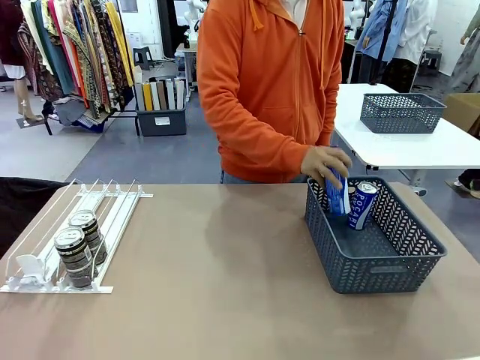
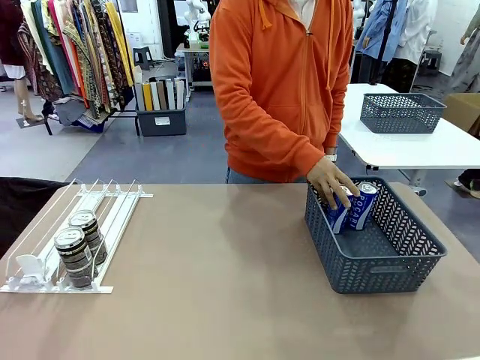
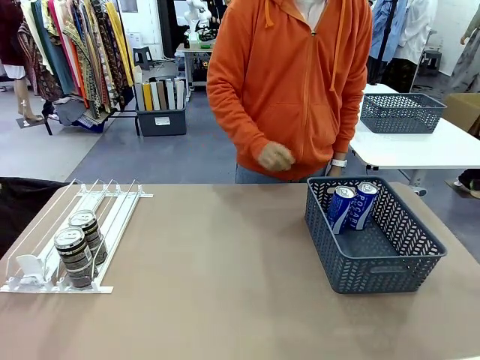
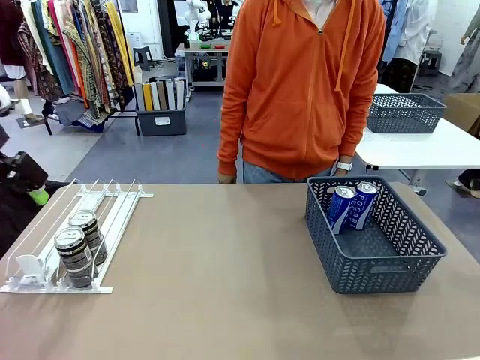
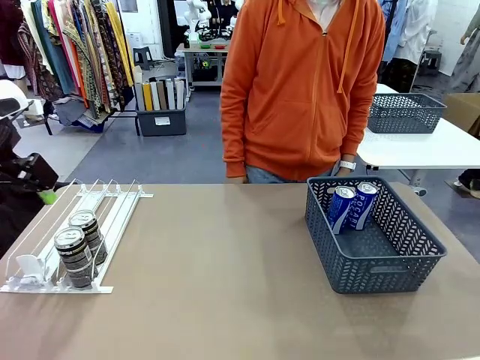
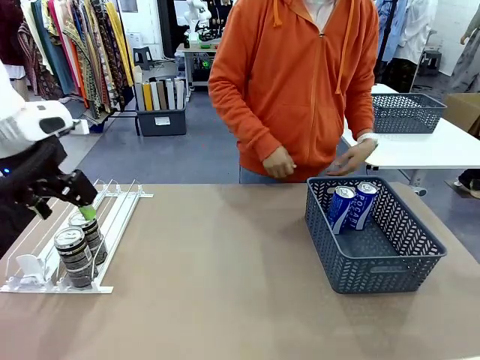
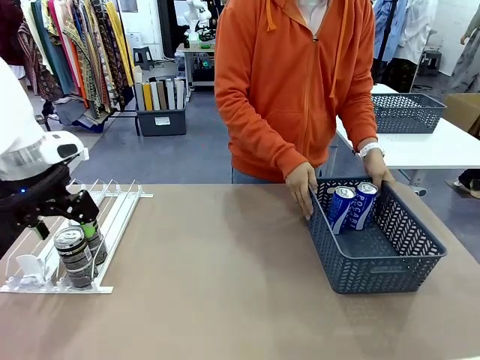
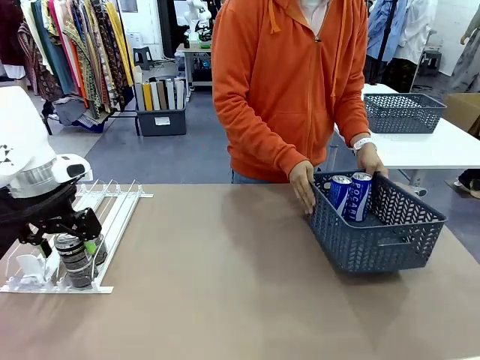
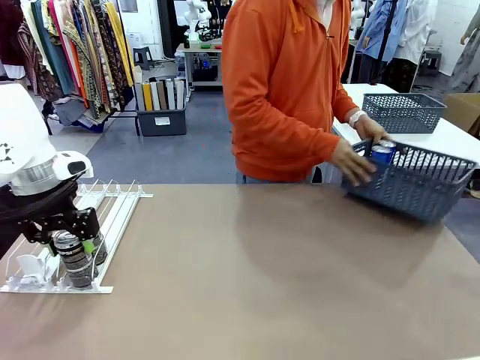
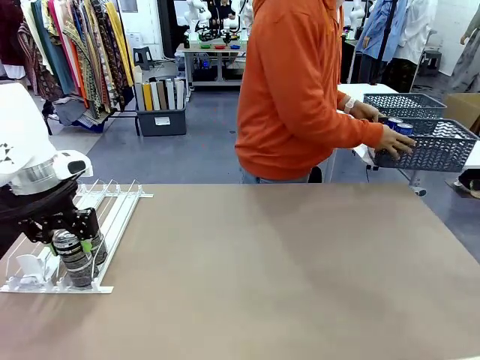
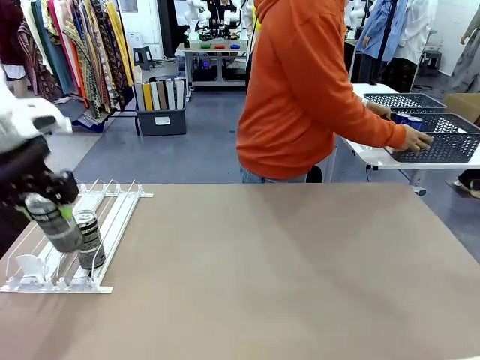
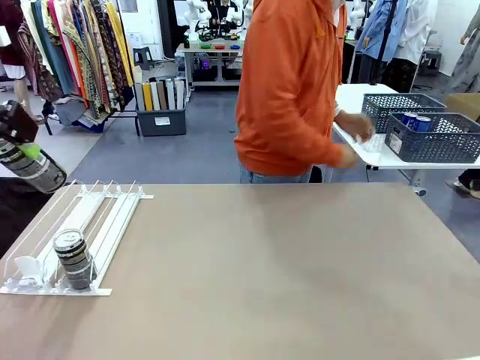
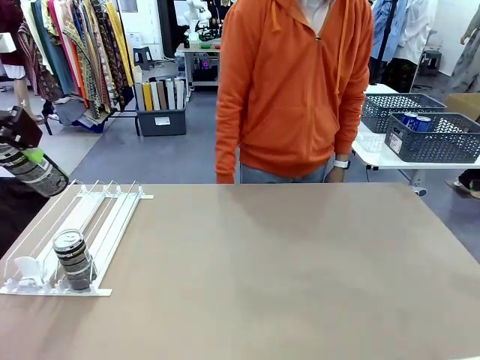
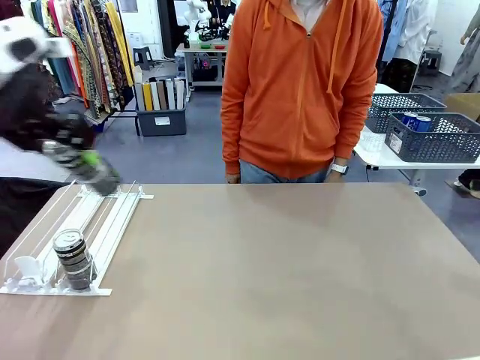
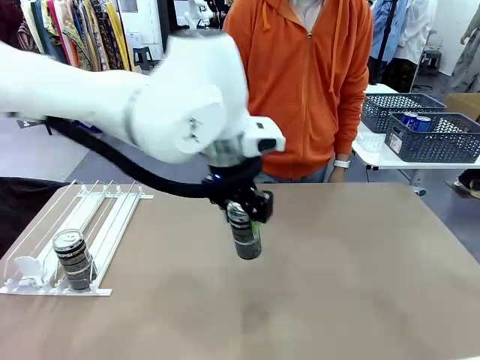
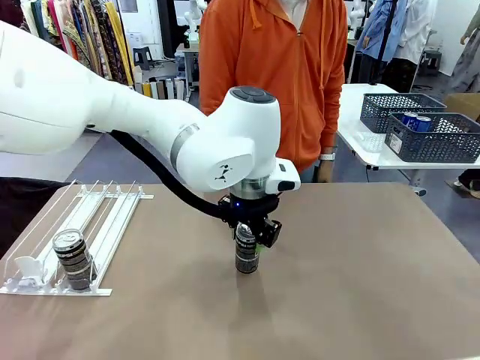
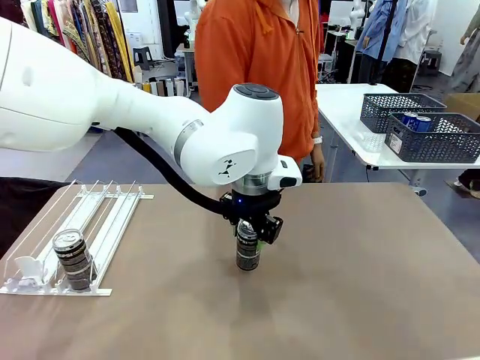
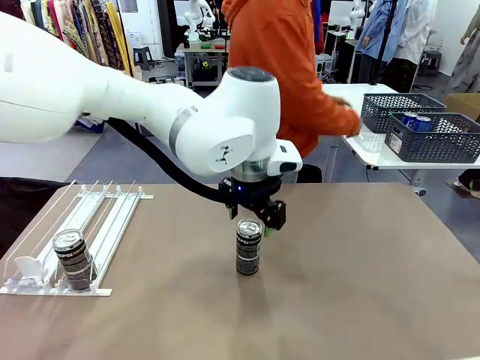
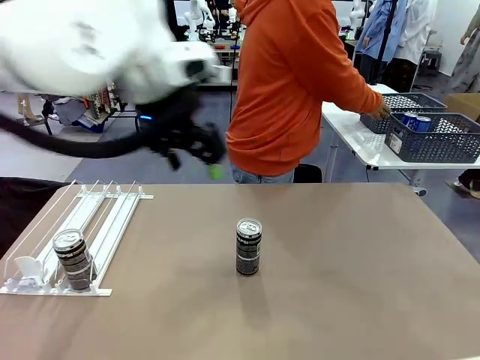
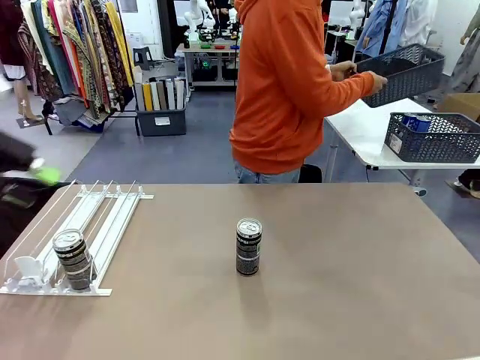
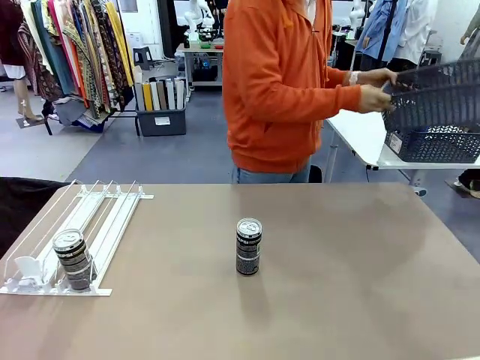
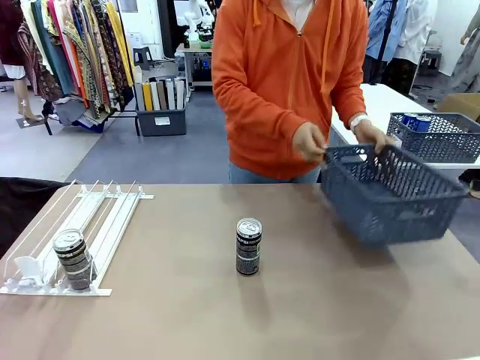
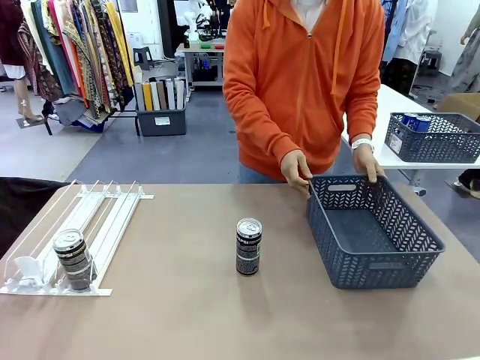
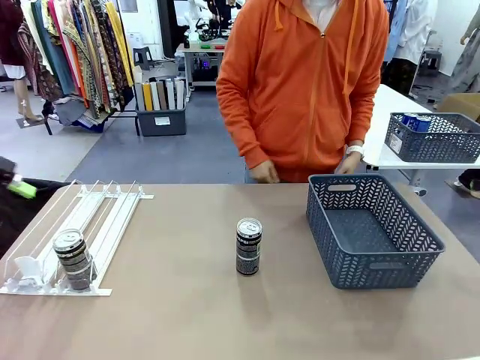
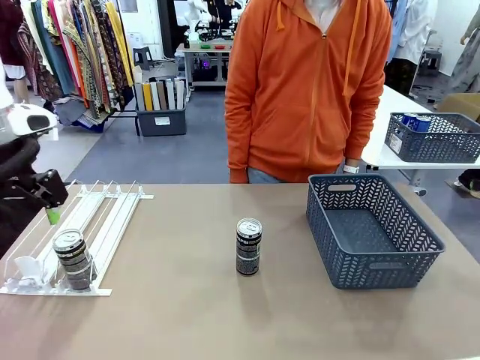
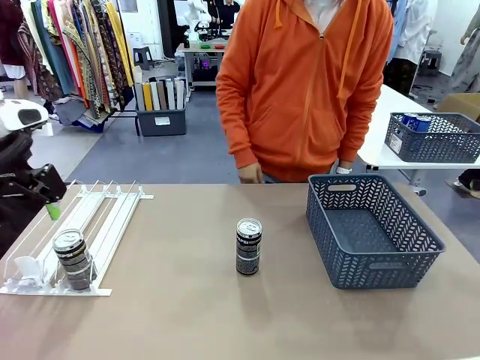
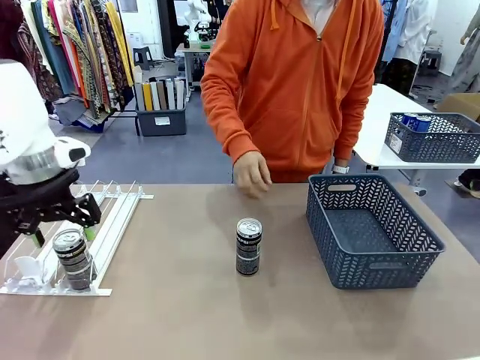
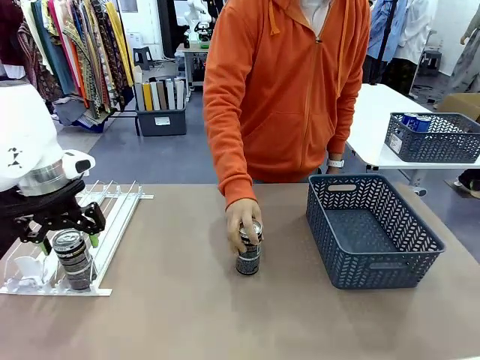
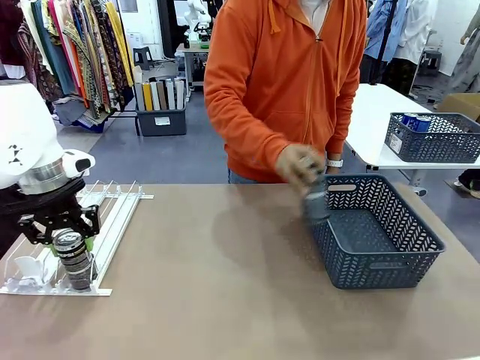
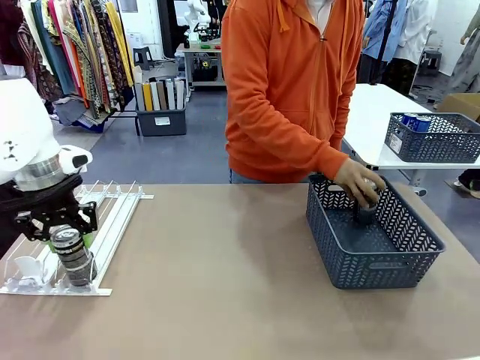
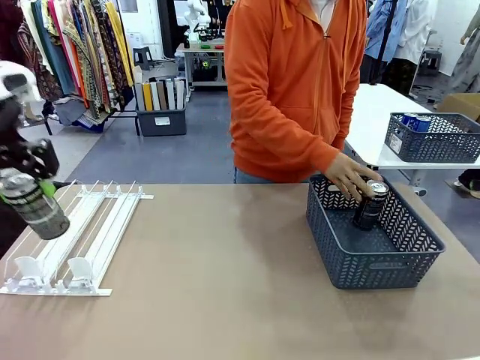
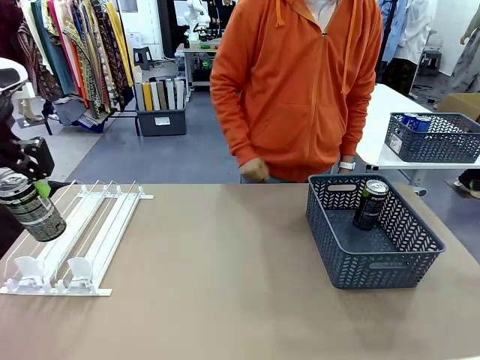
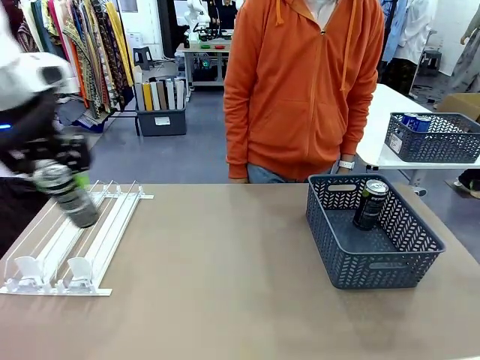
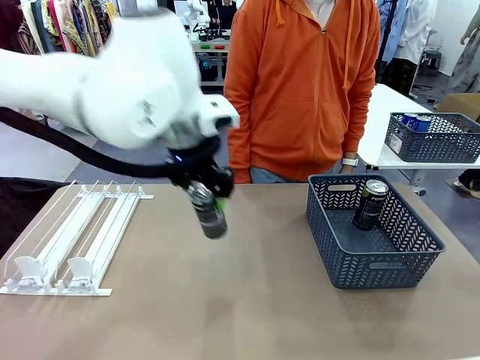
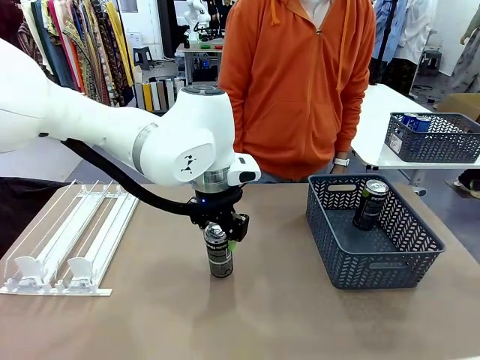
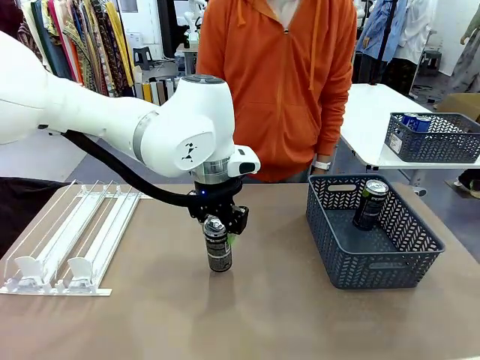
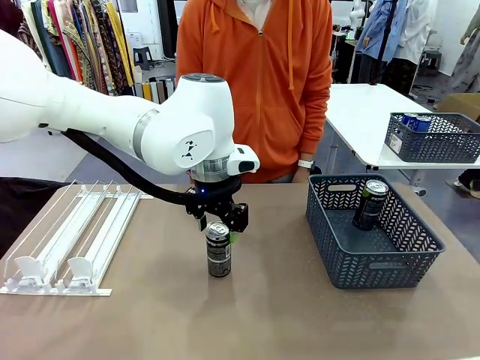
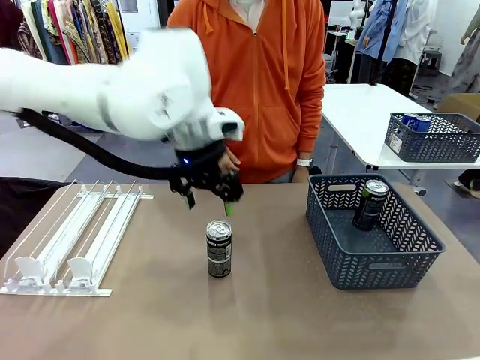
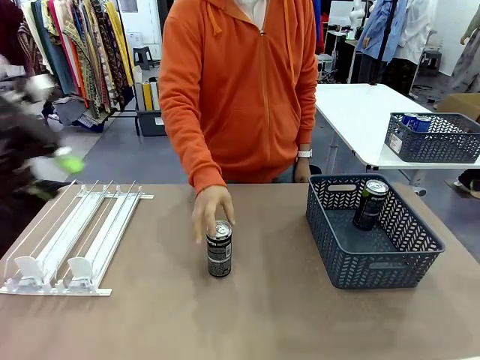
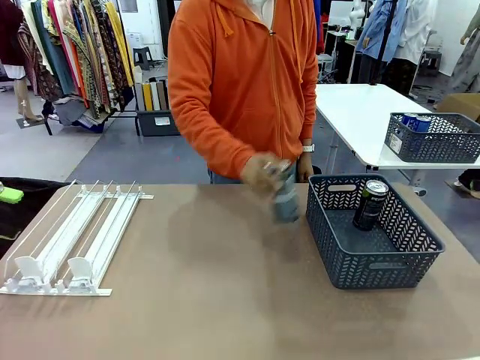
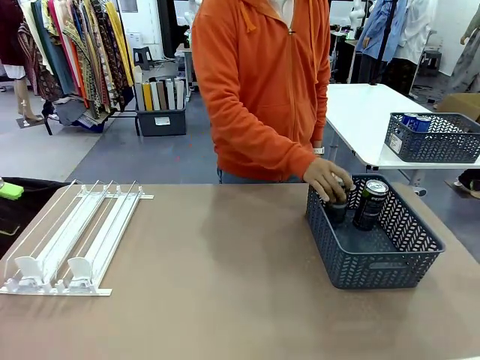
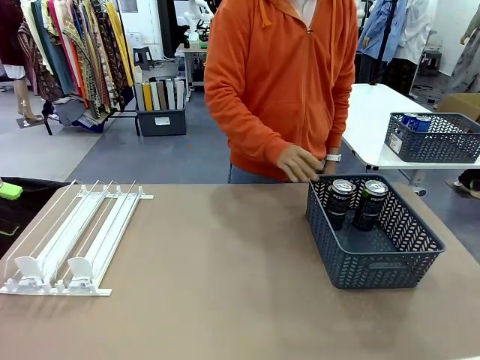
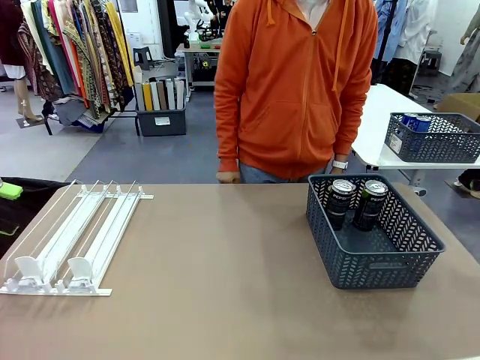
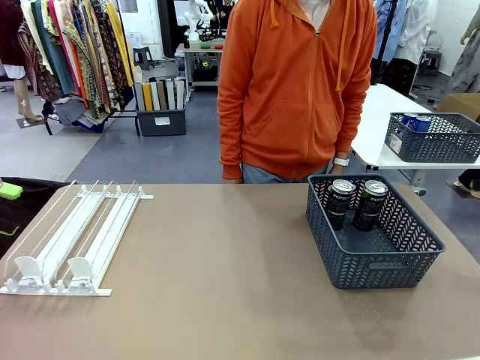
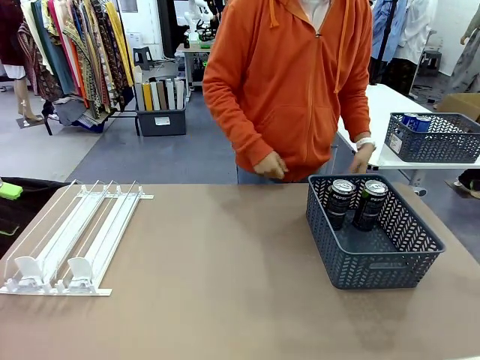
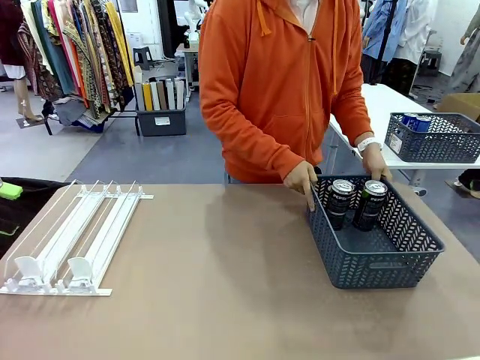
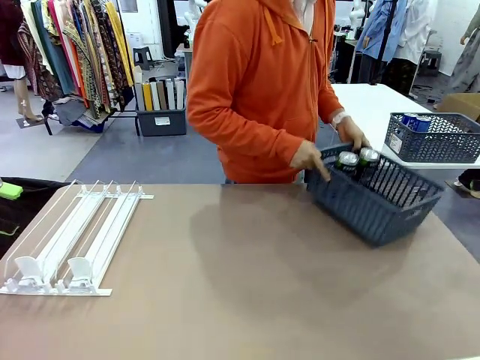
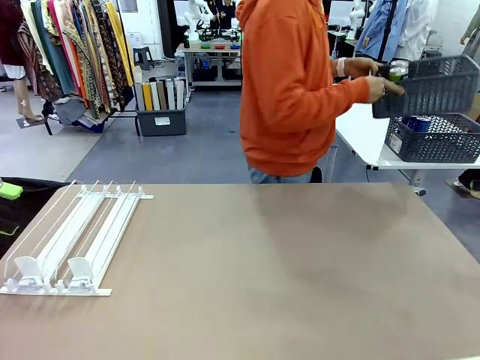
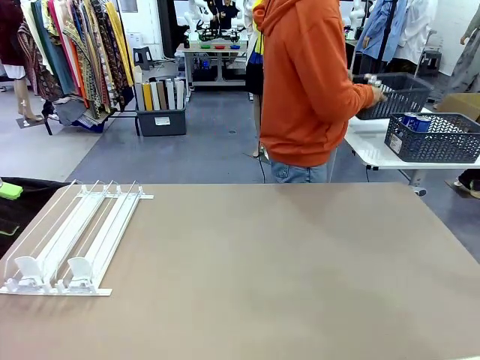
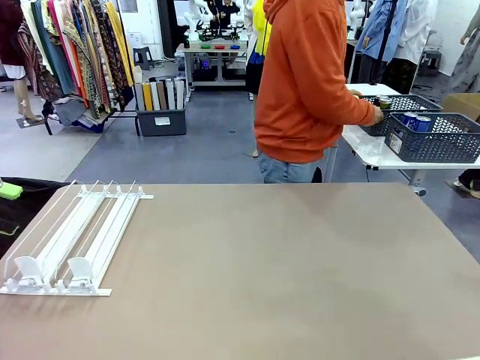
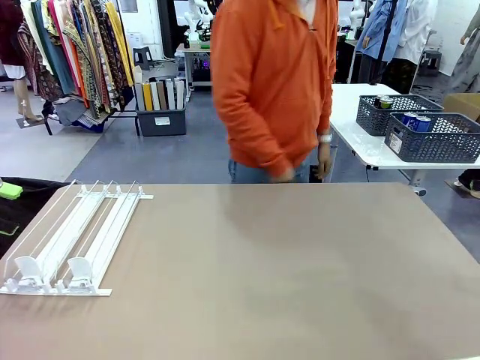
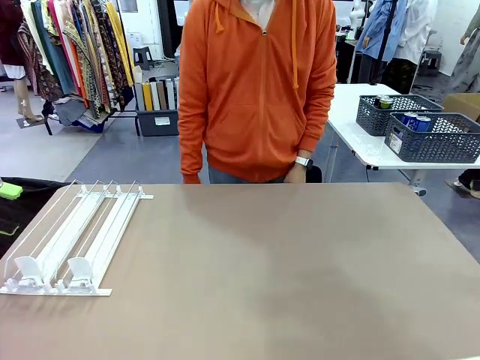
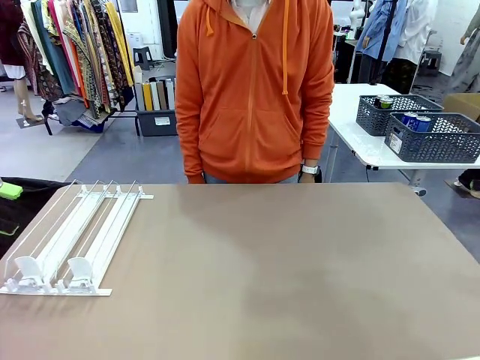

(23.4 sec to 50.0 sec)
Task: Retrieve and store the cans from the dispenser.
Robot: Pick up one can from the Automatic Can Dispenser and place it in the middle of the table.
Person: Pick up the basket and place it in the middle of the human table. Pick up the empty basket and place it on the left side of the robot table. Pick up one sports drink can from the middle of the robot table and place it in the basket. Pick up the basket and place it in the middle of the human table.
